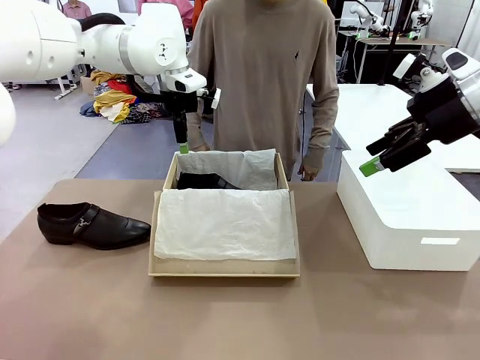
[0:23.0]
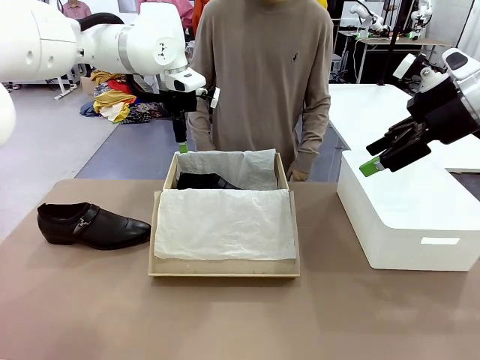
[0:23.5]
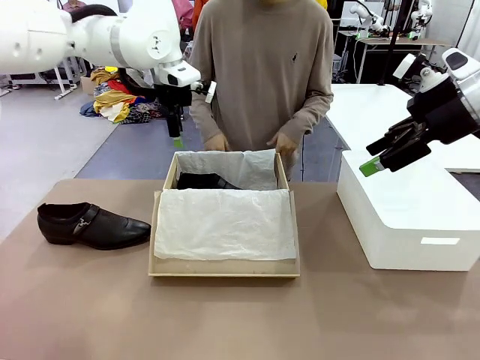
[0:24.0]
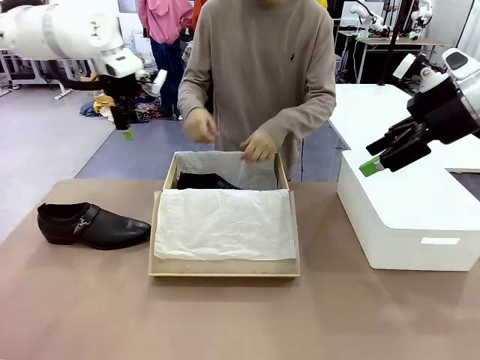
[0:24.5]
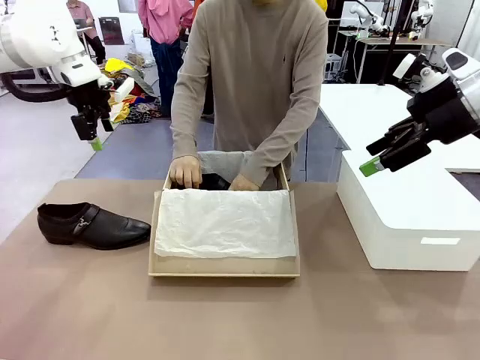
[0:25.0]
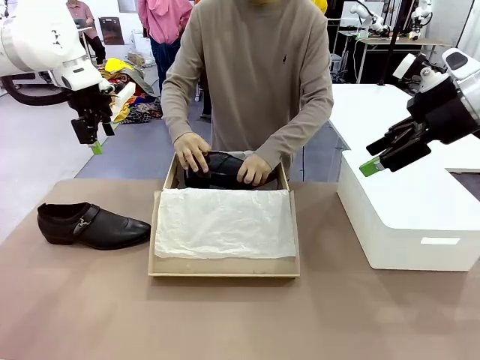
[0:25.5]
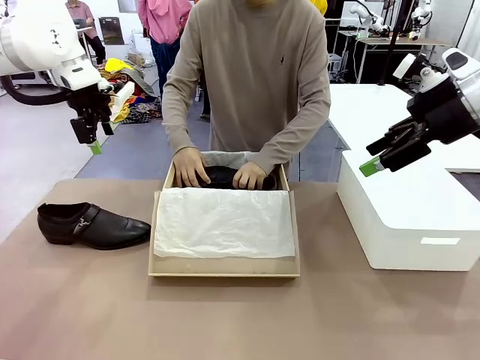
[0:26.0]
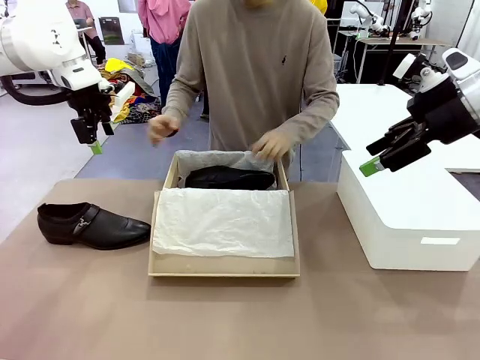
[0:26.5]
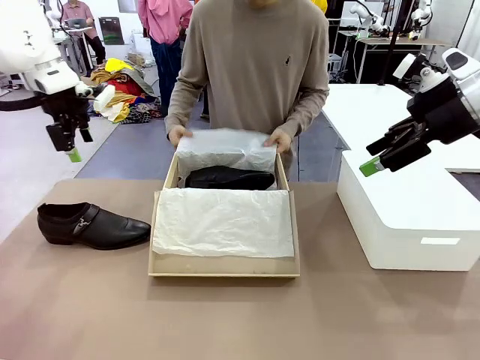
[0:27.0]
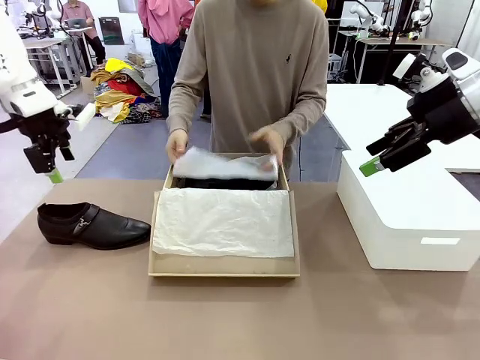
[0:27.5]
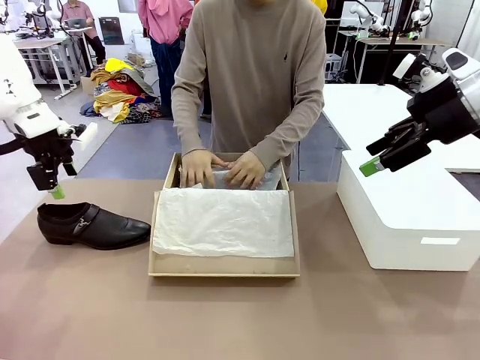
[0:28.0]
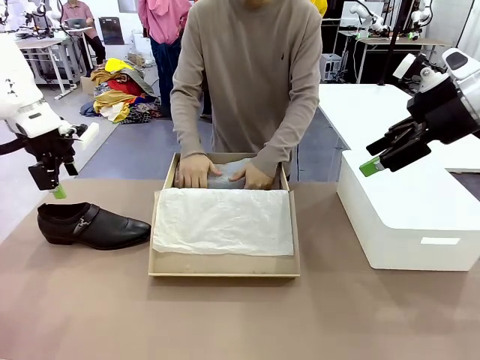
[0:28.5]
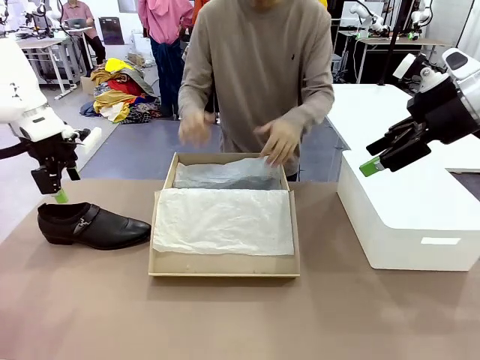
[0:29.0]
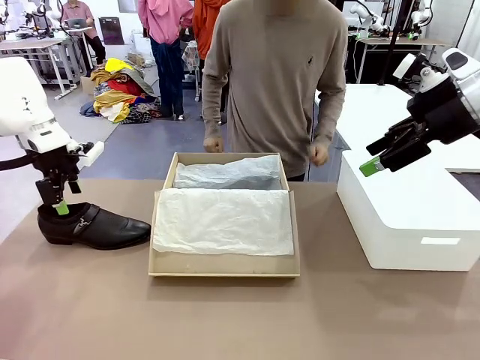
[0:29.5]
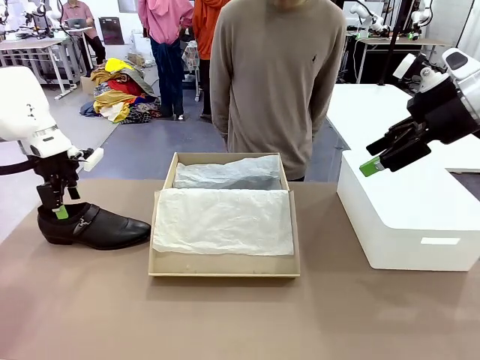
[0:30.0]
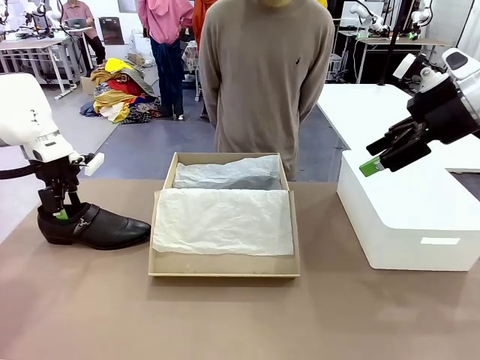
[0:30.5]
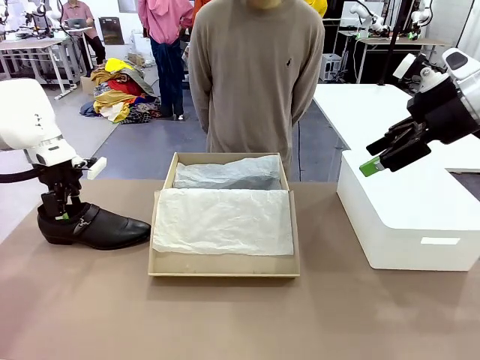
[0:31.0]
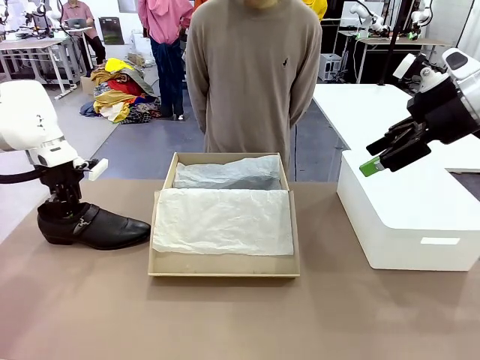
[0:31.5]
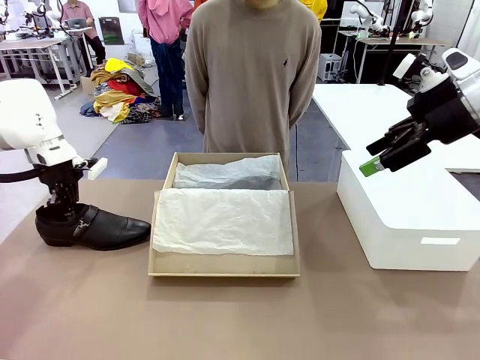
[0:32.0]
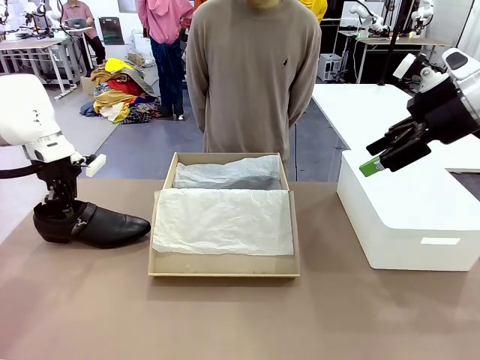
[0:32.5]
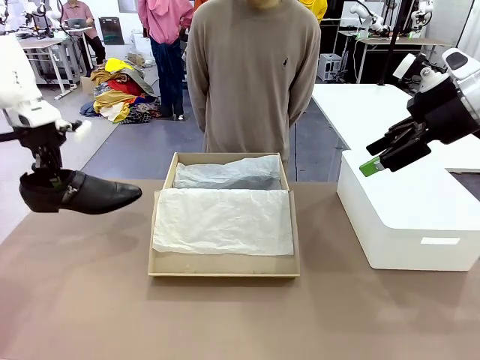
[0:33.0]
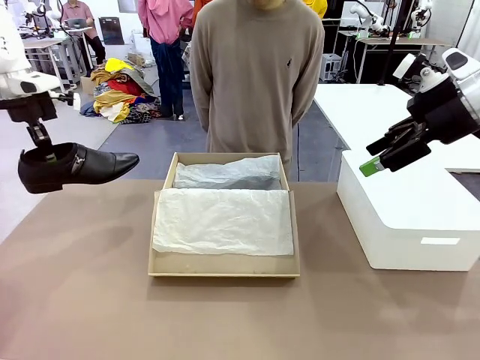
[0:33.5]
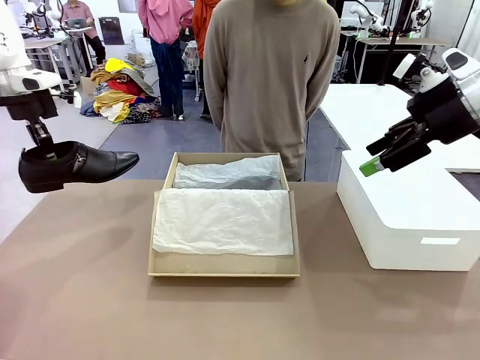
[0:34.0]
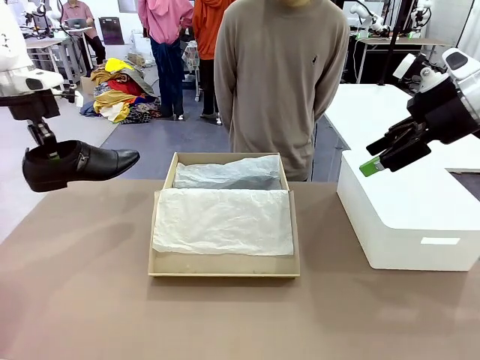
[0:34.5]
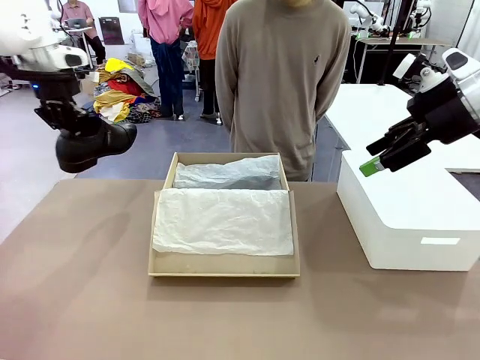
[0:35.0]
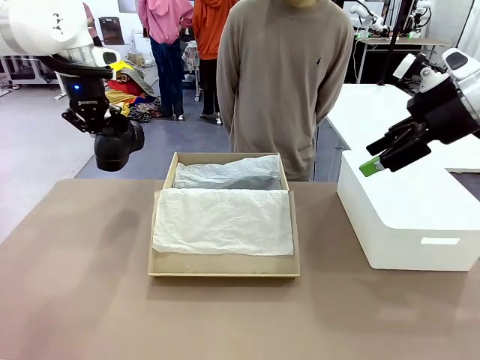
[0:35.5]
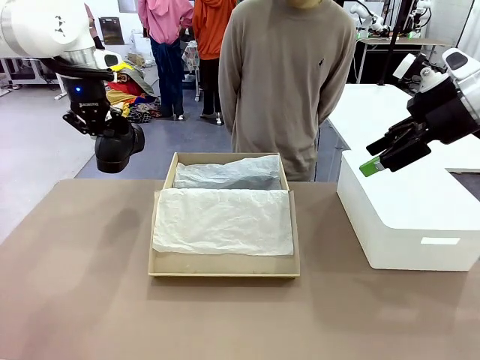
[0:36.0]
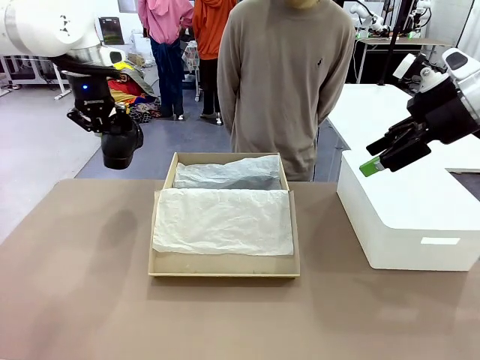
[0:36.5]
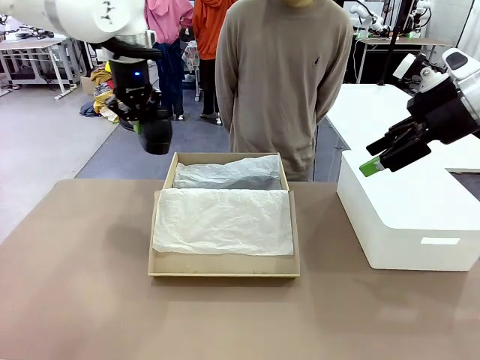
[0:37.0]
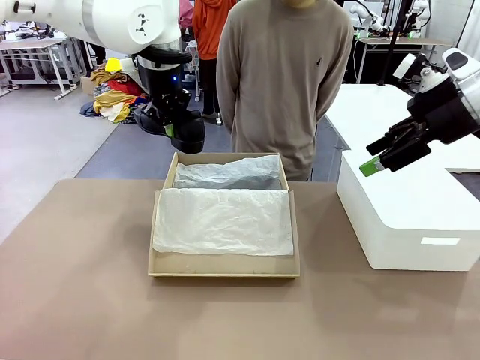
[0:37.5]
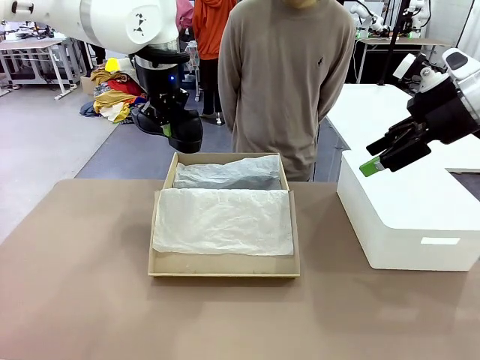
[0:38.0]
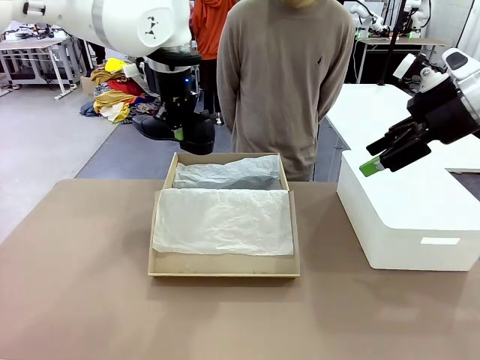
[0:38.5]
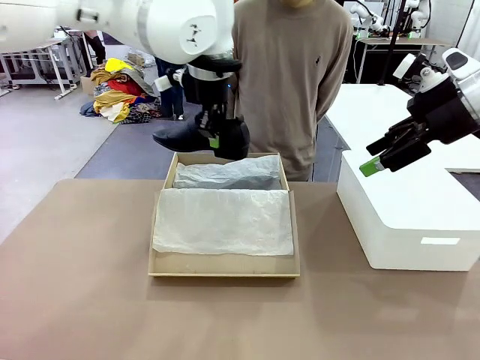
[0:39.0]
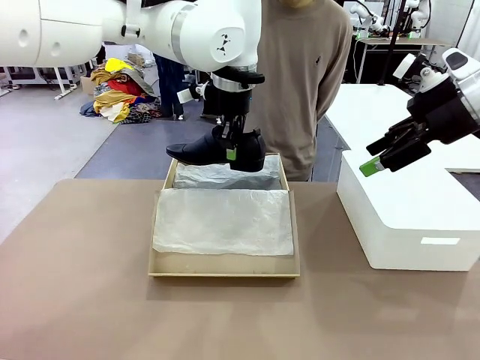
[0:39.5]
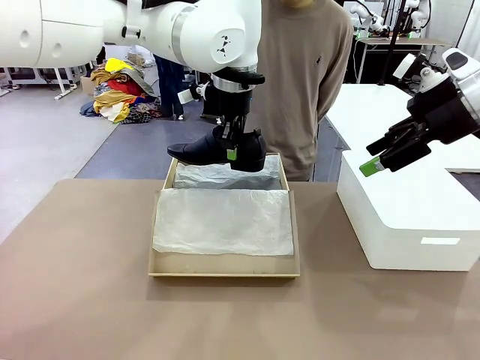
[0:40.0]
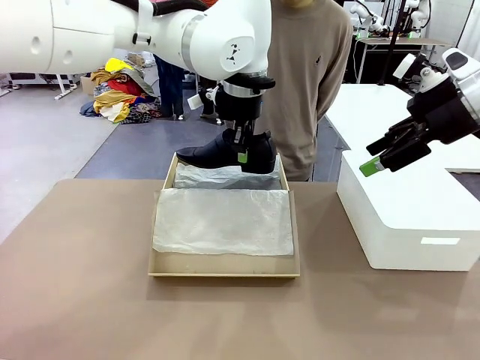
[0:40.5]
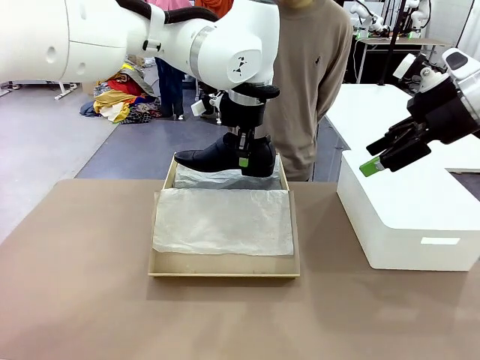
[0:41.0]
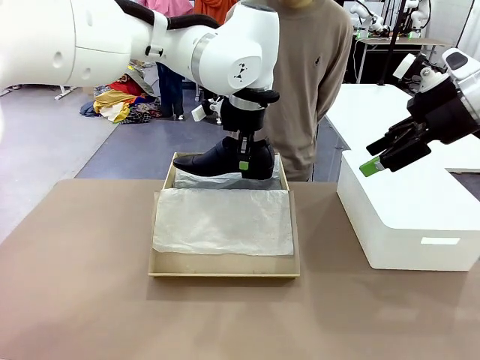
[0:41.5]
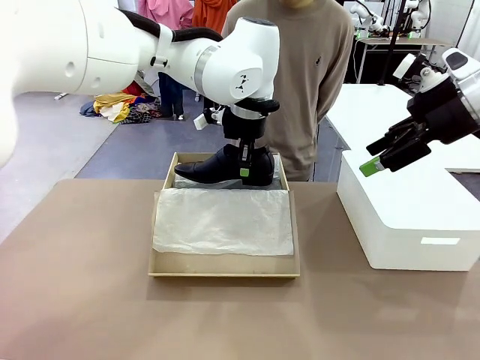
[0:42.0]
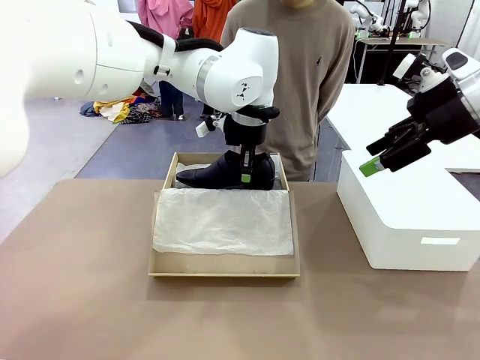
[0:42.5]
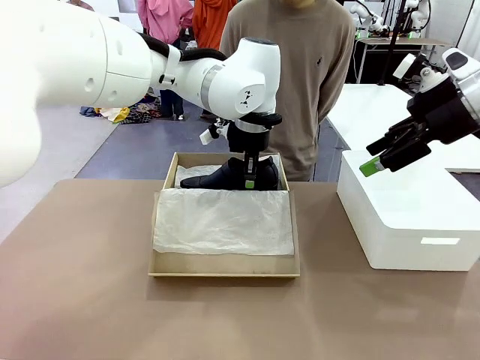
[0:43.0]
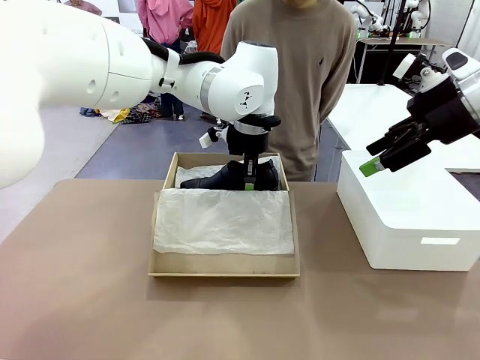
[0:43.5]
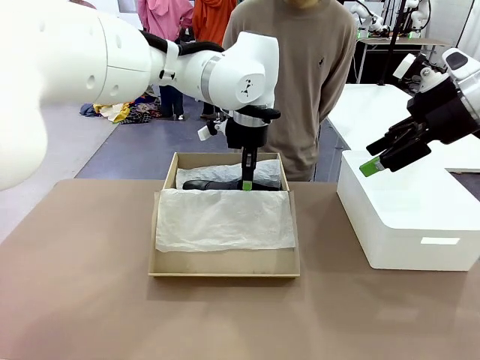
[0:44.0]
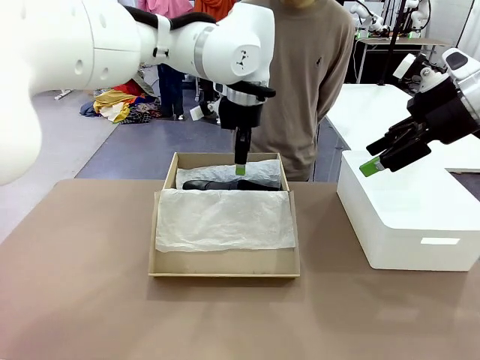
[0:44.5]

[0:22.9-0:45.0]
Task: Pack the shoes into the box.
Robot: Place the other shoe of the Shoes into the Shoes Box.
Person: Pack a shoe of Shoes inside the Shoes Box with Shoes Wrapping Paper.

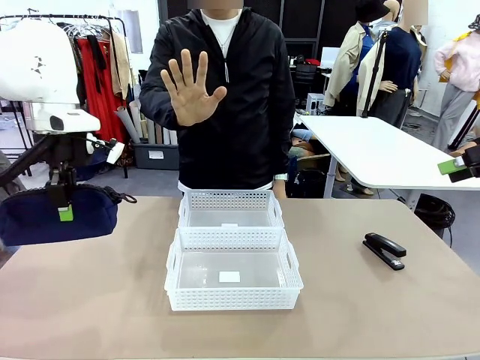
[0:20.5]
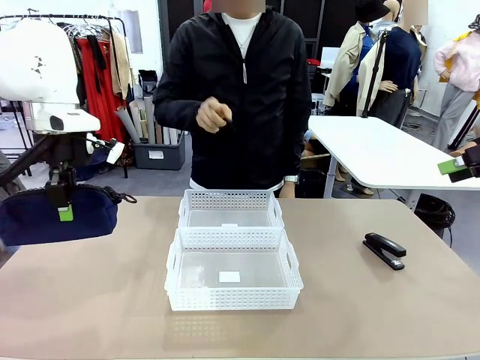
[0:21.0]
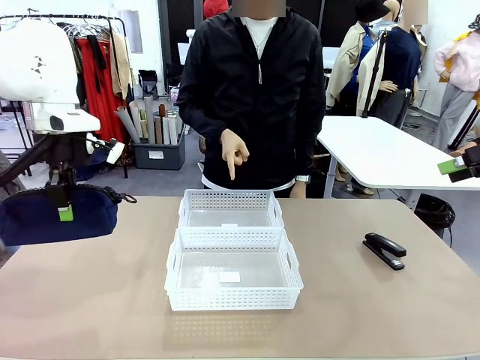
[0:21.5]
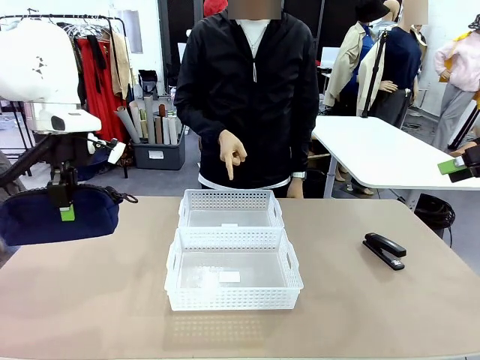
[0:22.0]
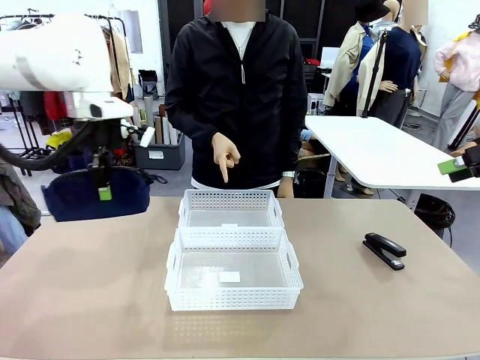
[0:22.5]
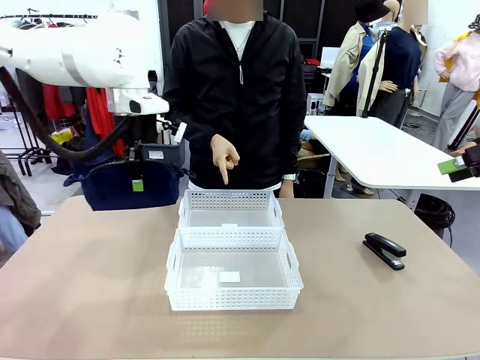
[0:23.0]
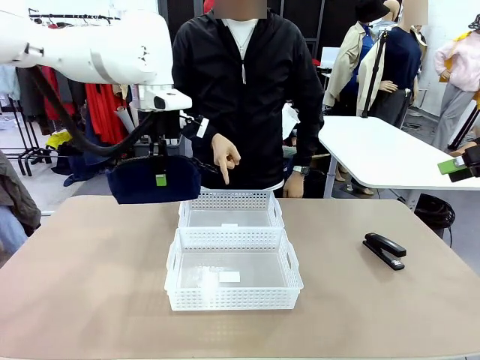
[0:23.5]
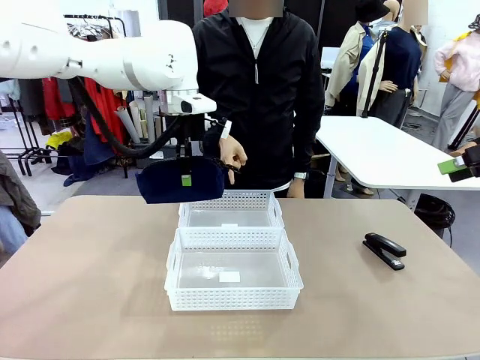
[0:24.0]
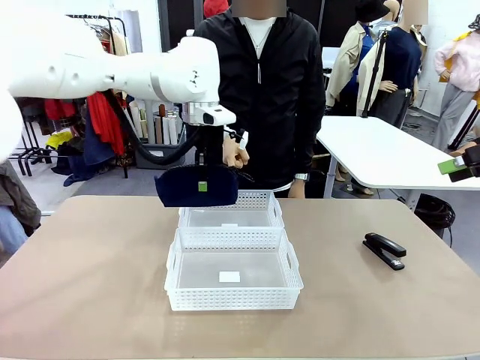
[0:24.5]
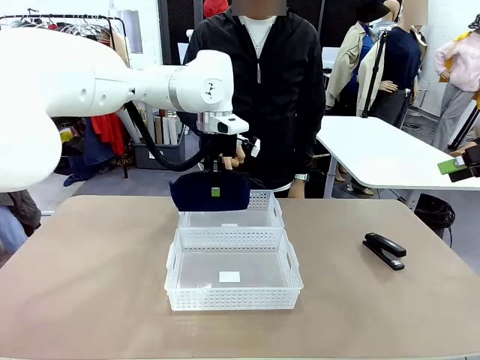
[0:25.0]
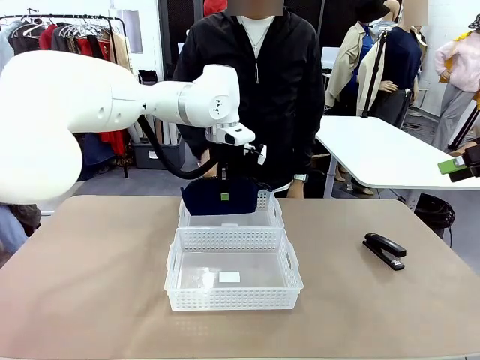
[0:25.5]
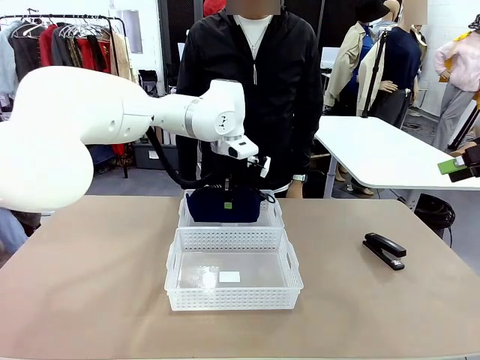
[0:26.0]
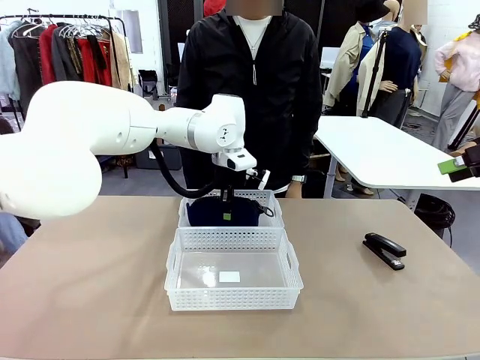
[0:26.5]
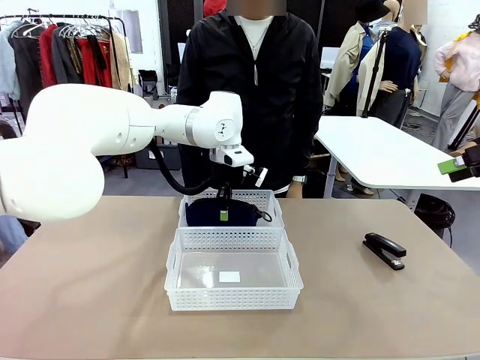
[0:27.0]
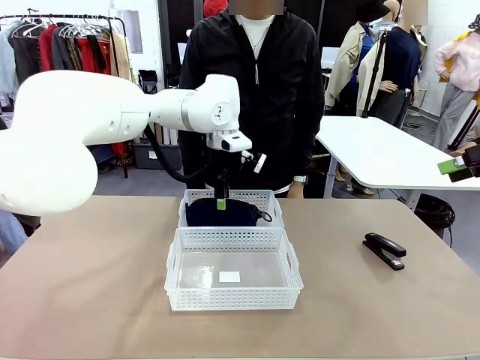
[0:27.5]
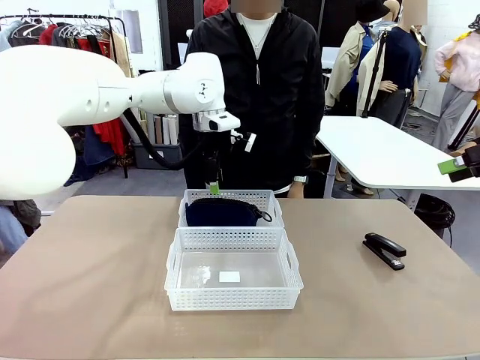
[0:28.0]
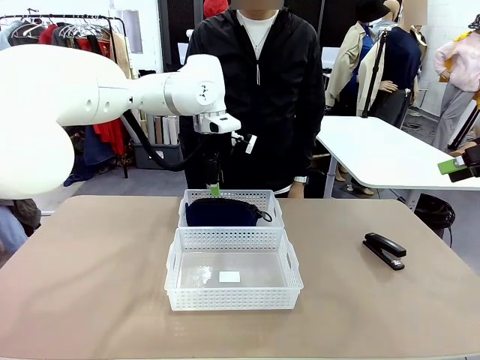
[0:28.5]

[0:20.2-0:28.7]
Task: Distribute items into two baskets.
Robot: Place the picked Pencil pouch into the Organizing basket as instructed by the person.
Person: Instructs the robot to place the pencil case into the opposite basket. Points to the stapler.
